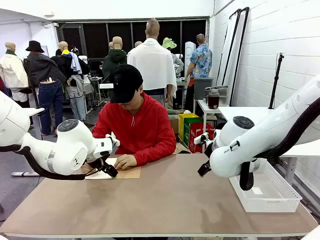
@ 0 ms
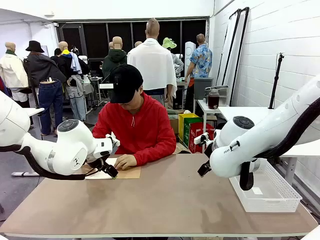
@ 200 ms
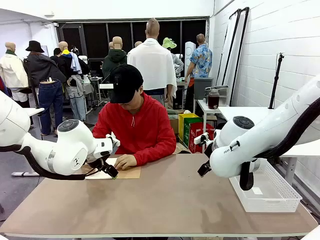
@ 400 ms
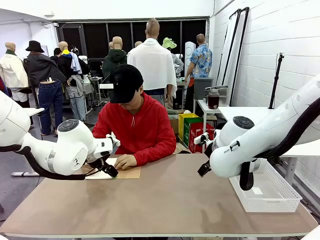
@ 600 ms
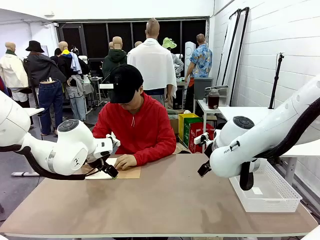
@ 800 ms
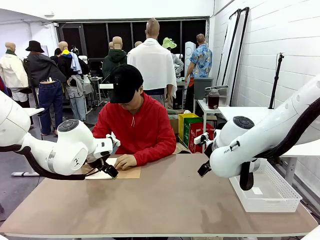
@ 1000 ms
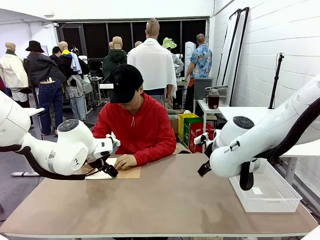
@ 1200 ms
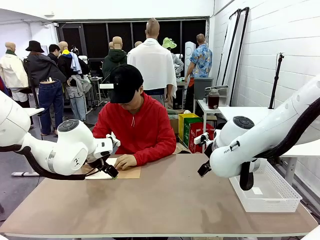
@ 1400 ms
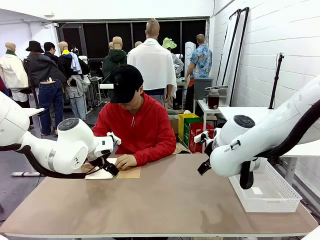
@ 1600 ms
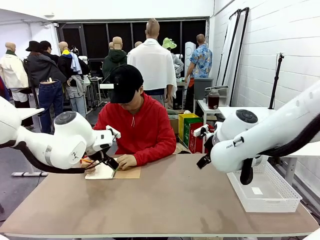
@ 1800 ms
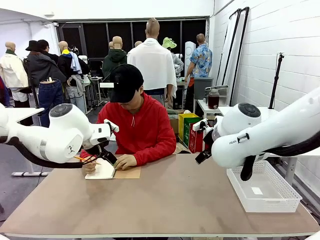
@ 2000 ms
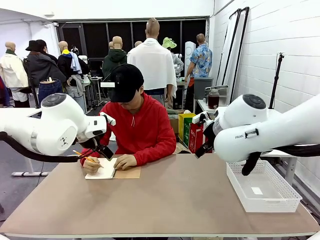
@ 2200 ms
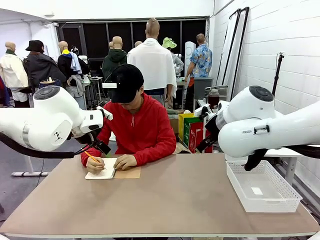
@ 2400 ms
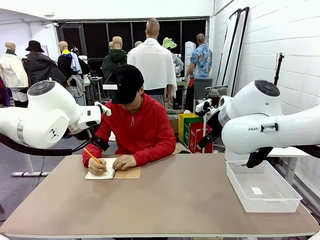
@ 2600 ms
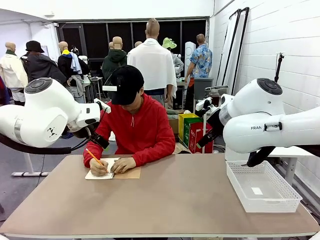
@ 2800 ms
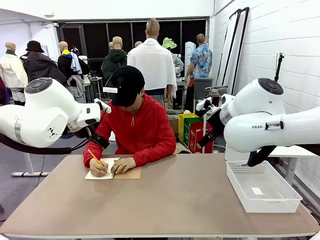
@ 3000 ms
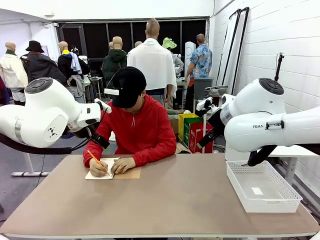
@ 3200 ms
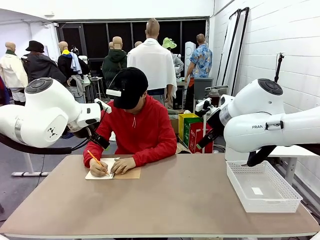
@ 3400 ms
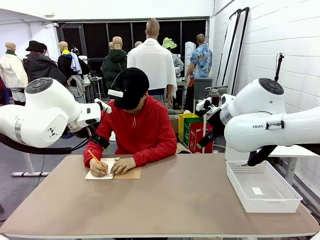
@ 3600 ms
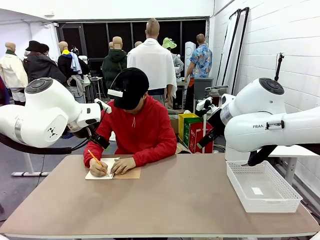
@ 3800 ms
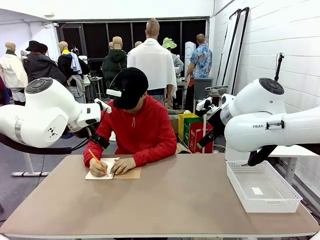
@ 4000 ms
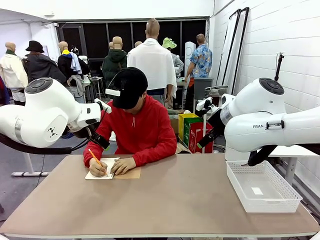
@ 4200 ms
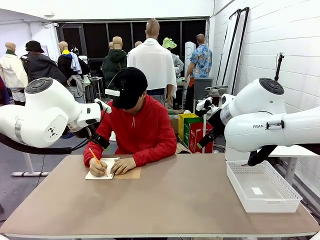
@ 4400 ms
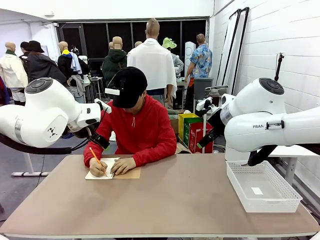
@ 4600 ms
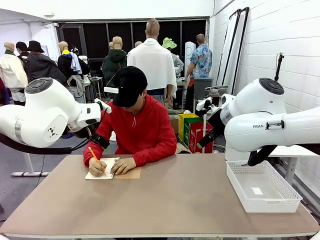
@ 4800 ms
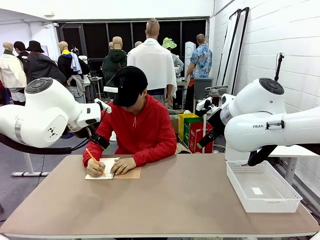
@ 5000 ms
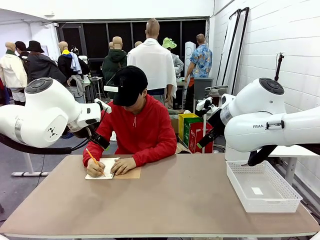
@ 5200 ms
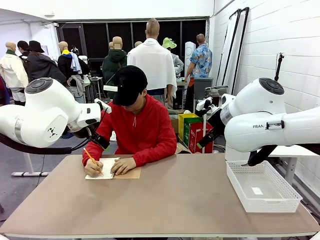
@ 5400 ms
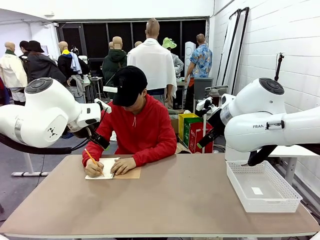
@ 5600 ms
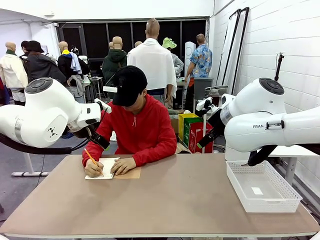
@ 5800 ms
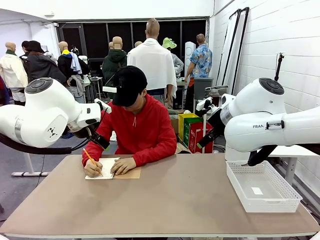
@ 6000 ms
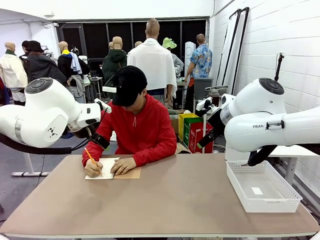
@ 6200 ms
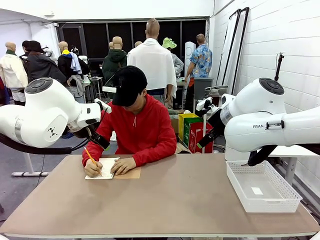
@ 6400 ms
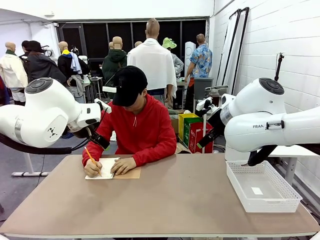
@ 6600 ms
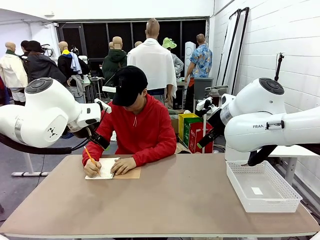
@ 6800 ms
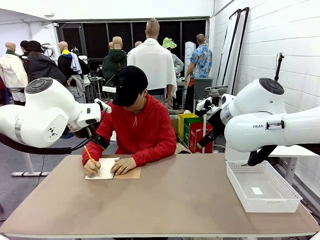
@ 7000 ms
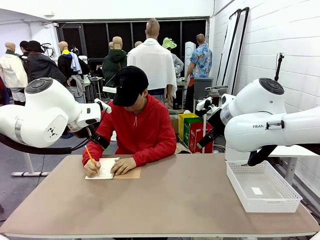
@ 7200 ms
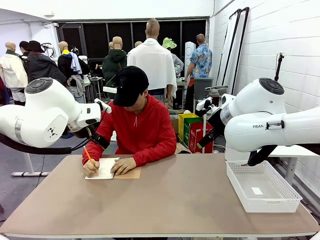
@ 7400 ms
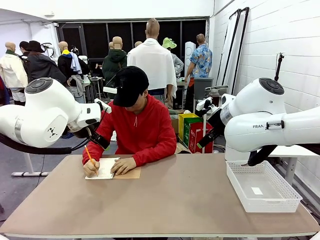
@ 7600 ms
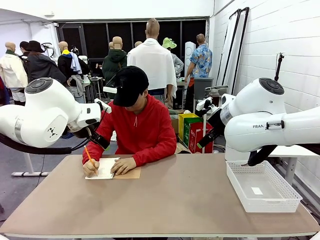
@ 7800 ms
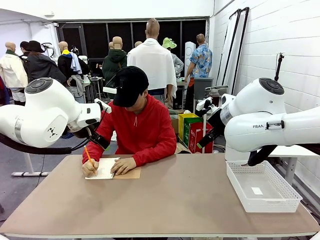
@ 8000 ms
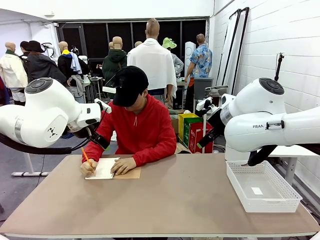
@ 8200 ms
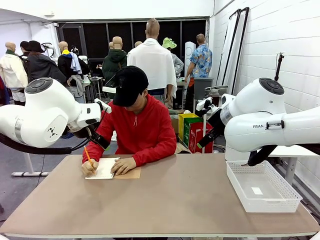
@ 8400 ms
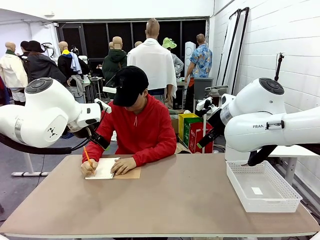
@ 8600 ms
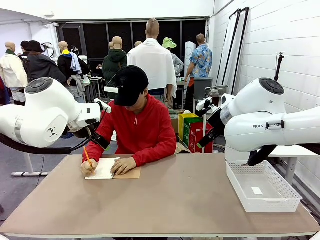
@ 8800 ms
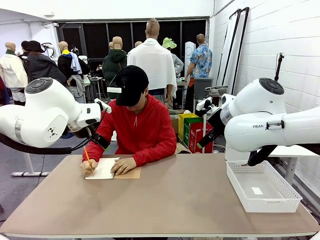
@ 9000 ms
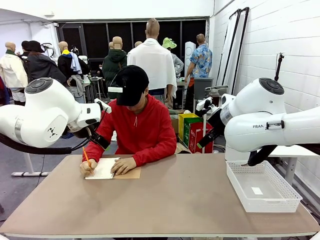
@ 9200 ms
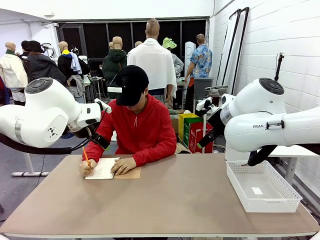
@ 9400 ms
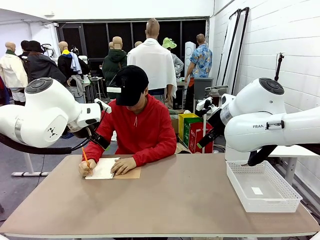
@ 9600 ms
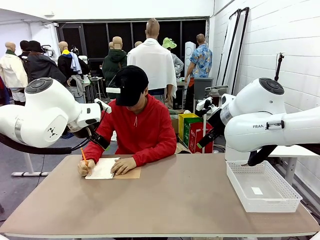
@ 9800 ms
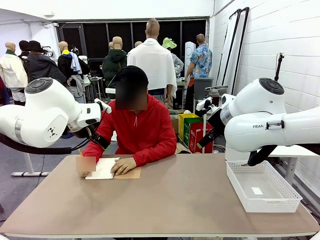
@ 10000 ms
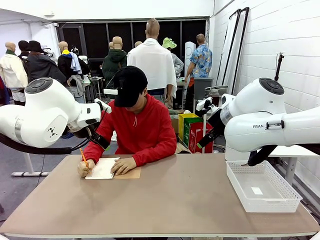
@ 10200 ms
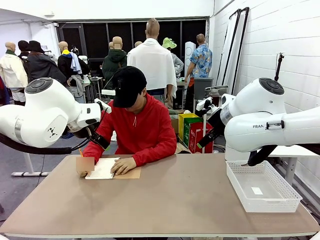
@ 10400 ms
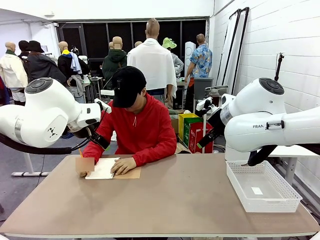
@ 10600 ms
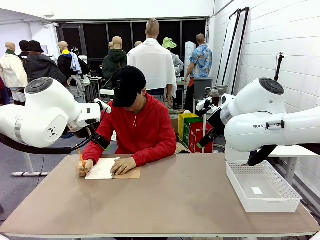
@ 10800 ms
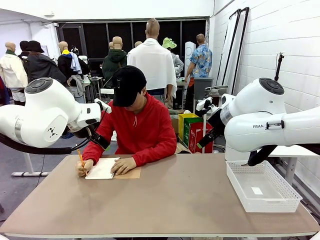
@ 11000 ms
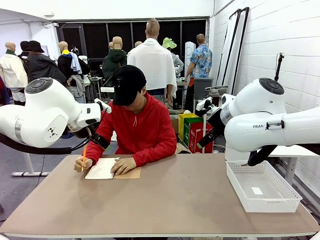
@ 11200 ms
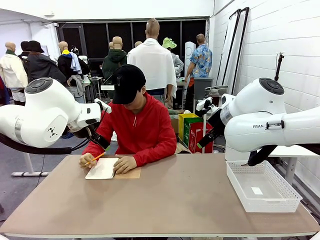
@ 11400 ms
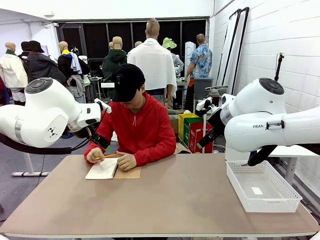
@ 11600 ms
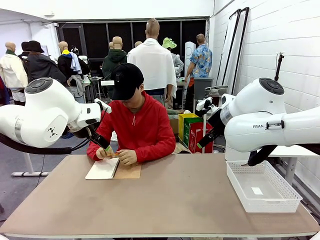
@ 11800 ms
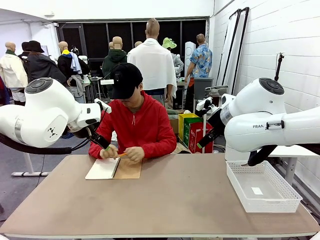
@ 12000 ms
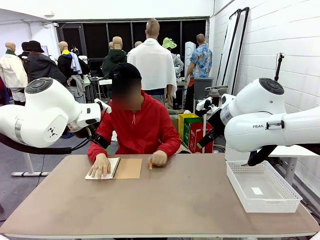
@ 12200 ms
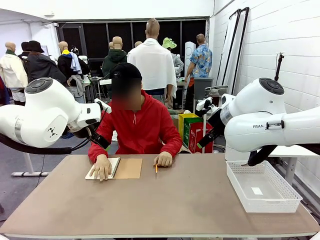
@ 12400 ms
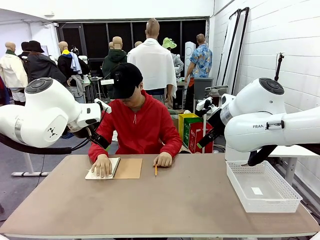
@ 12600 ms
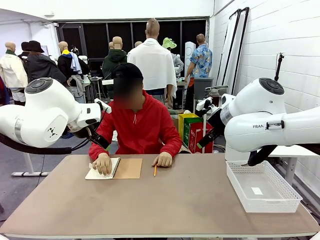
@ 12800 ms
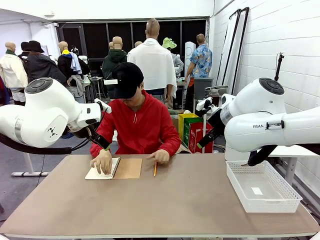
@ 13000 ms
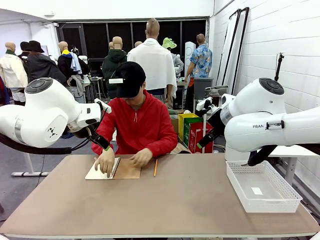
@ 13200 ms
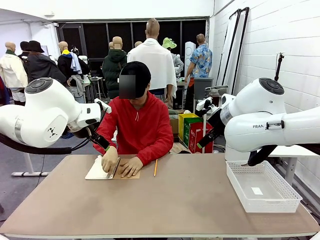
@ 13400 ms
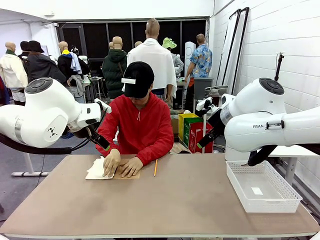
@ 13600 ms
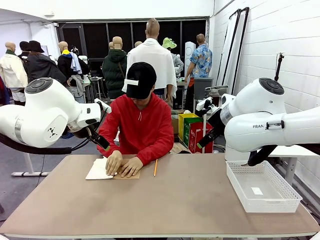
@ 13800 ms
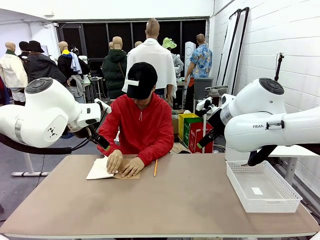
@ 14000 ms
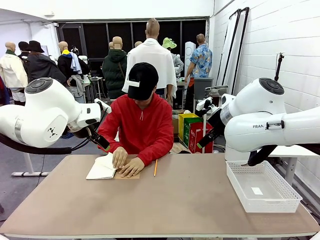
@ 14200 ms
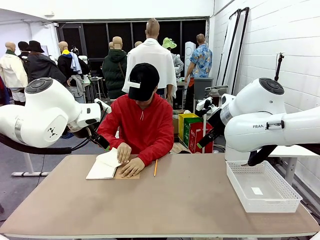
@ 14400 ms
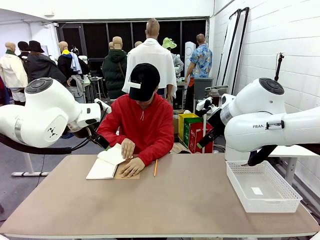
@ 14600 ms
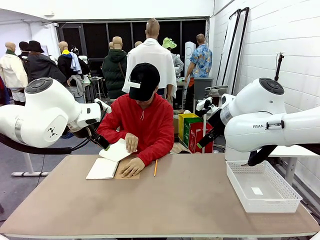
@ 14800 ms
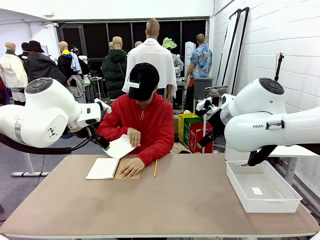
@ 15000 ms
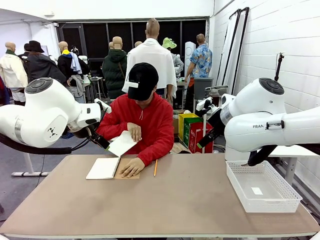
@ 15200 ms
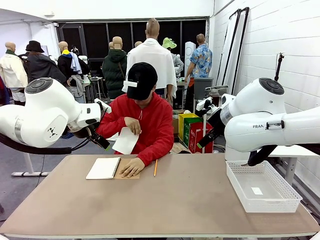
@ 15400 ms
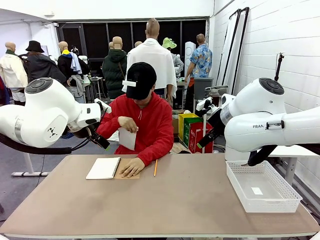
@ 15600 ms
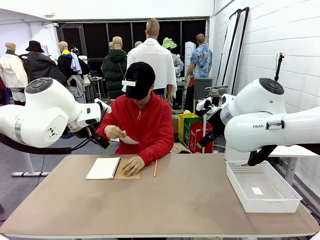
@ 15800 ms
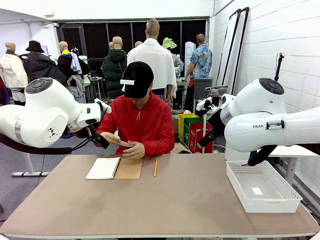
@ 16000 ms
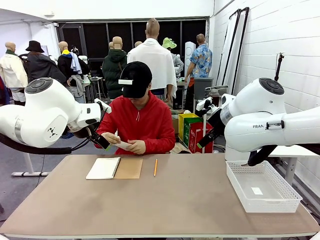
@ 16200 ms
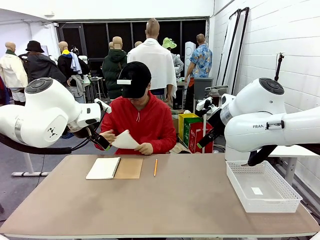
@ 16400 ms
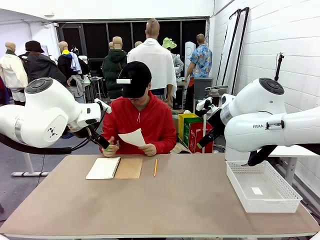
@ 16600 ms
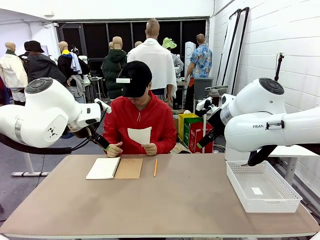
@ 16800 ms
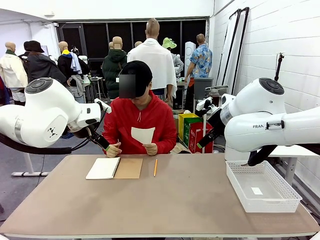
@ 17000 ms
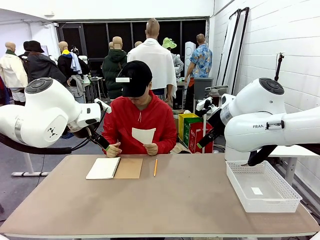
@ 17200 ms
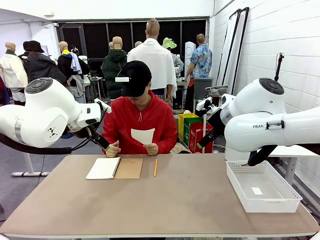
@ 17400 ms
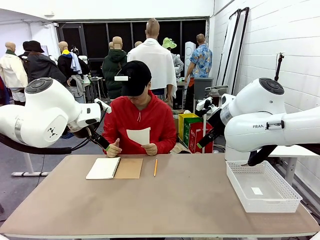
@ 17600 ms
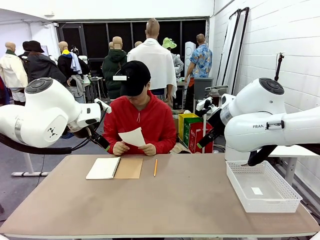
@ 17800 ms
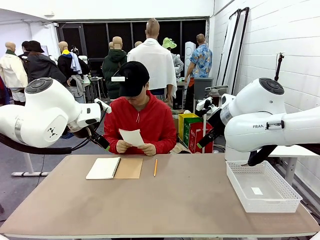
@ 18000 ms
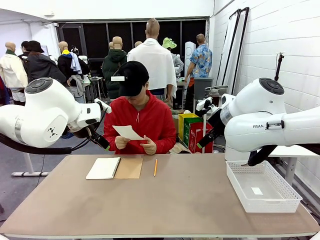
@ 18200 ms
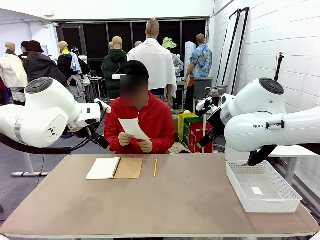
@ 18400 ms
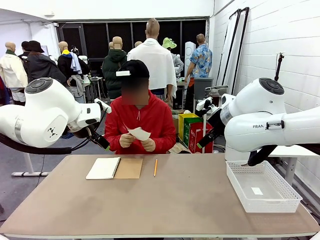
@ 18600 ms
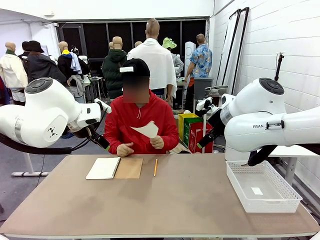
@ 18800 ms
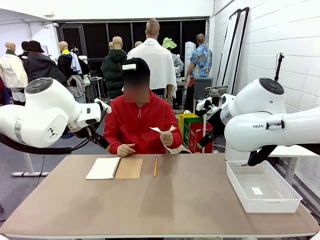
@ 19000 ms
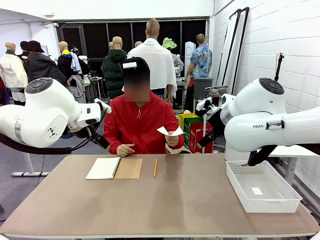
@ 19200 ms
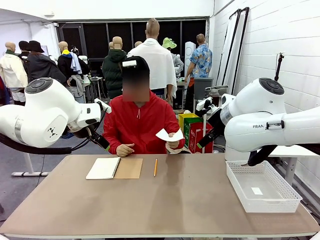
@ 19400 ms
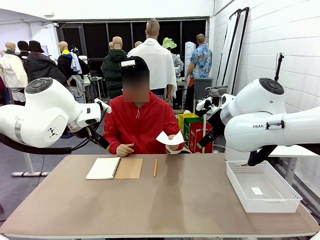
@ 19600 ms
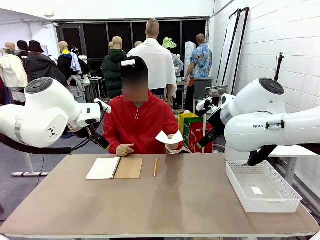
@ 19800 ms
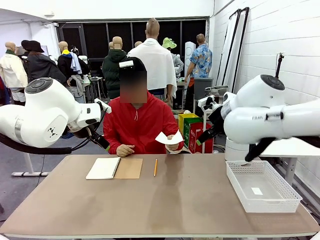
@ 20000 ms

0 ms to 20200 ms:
Task: Sort the paper based on its condition.
Robot: If a person hands you a paper, place it in the Organizing basket , and if it's crumpled, put it in the Trash can.
Person: Tear out a page from the spiral notebook. Hand the torn page to the robot or crumple it and throw it to the center of the table.
